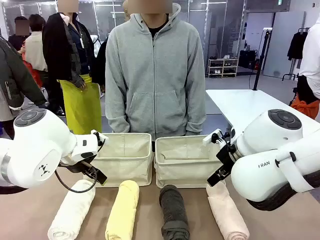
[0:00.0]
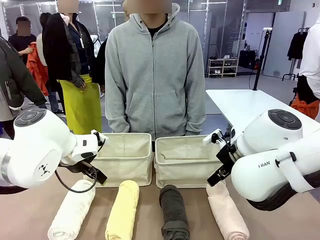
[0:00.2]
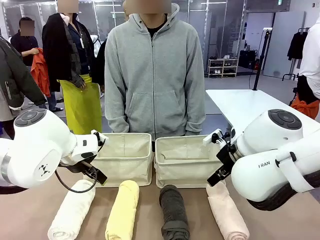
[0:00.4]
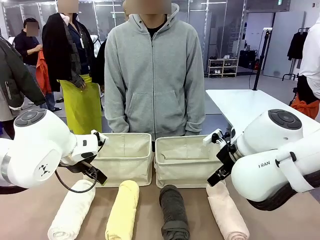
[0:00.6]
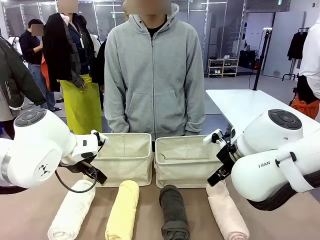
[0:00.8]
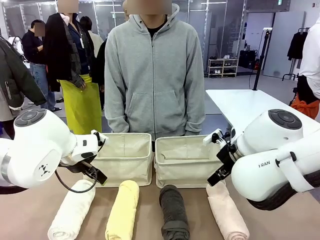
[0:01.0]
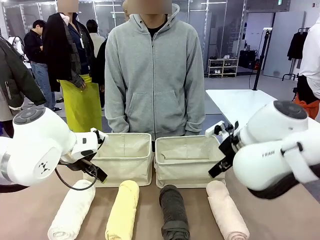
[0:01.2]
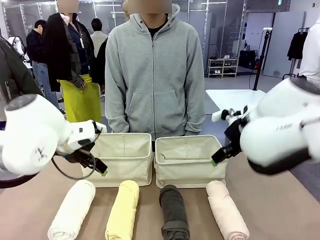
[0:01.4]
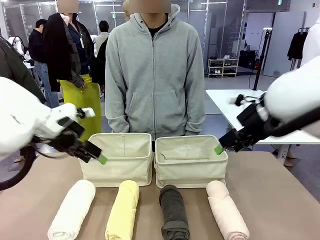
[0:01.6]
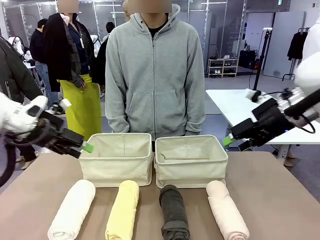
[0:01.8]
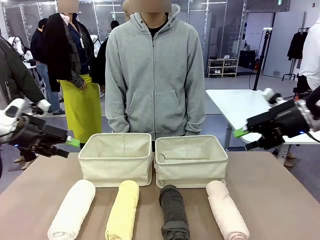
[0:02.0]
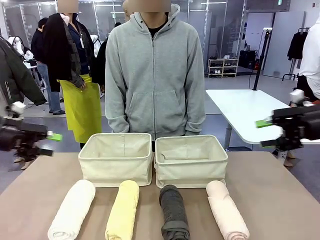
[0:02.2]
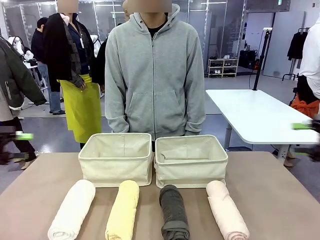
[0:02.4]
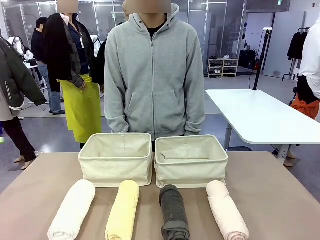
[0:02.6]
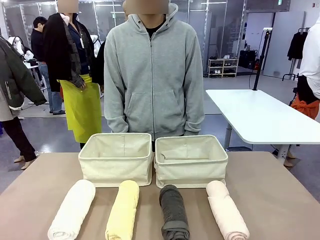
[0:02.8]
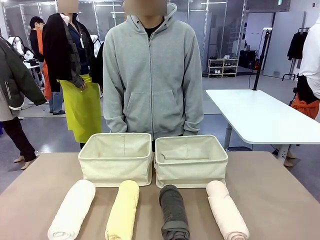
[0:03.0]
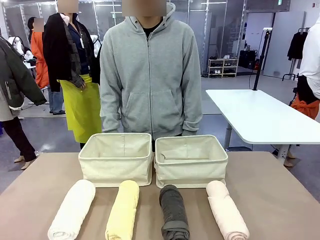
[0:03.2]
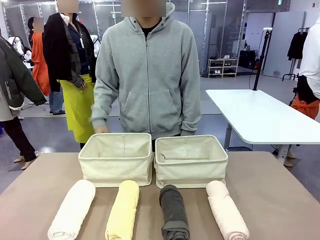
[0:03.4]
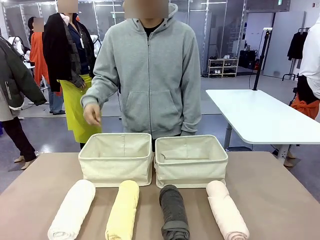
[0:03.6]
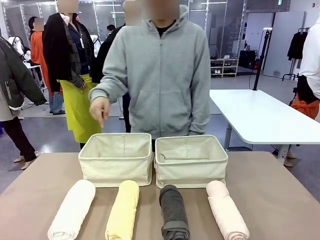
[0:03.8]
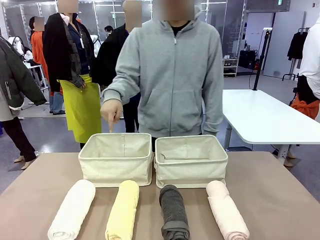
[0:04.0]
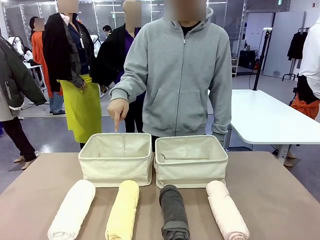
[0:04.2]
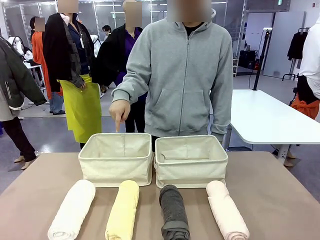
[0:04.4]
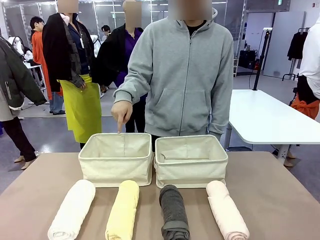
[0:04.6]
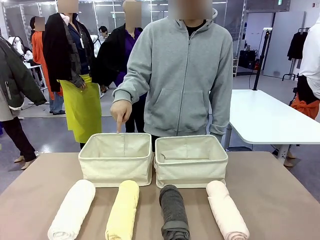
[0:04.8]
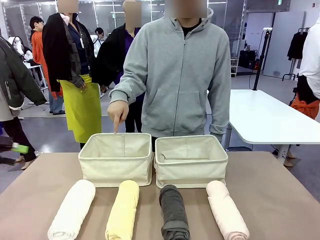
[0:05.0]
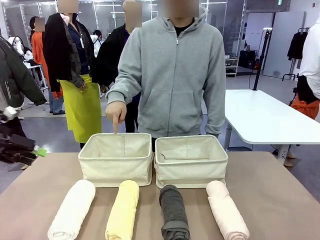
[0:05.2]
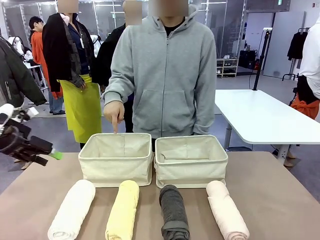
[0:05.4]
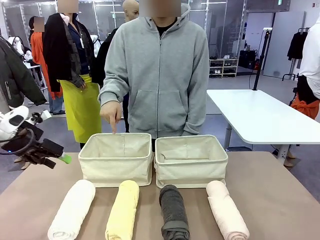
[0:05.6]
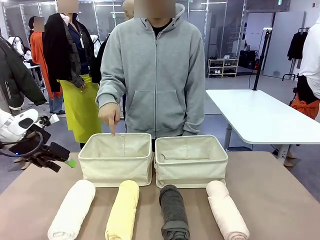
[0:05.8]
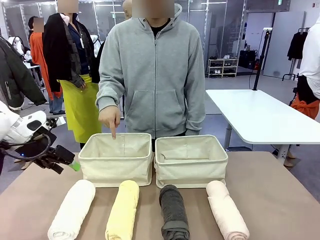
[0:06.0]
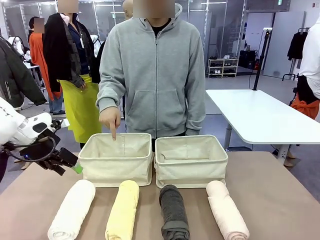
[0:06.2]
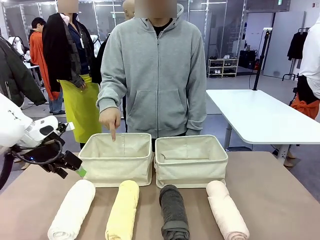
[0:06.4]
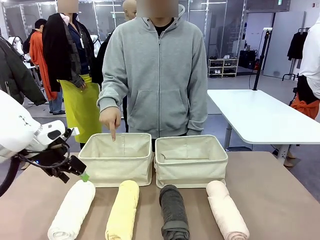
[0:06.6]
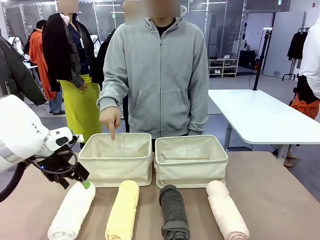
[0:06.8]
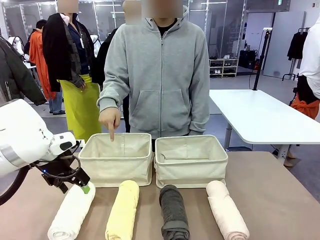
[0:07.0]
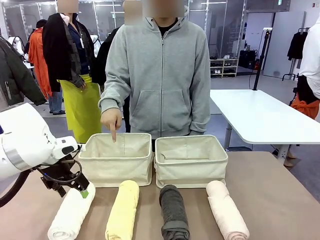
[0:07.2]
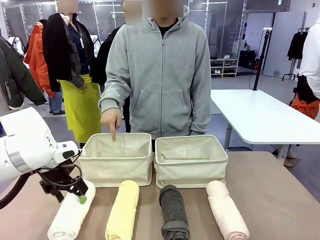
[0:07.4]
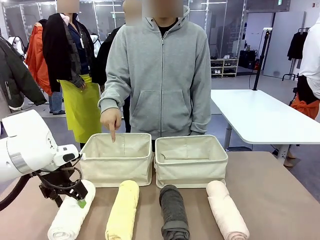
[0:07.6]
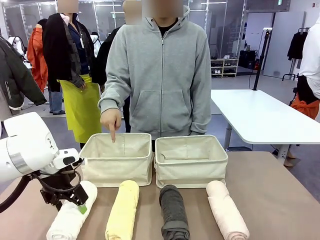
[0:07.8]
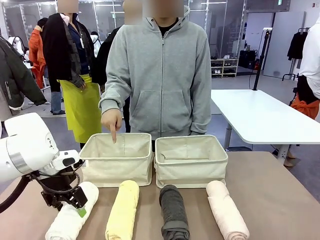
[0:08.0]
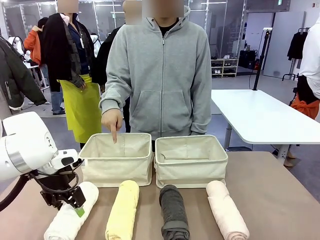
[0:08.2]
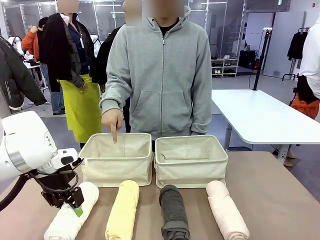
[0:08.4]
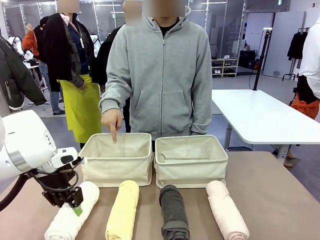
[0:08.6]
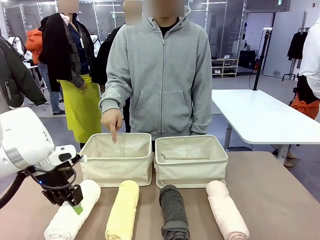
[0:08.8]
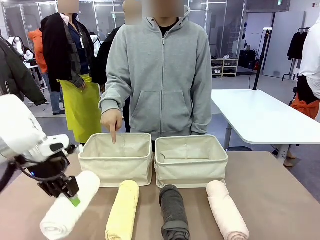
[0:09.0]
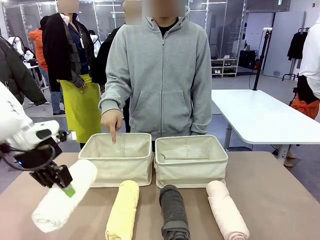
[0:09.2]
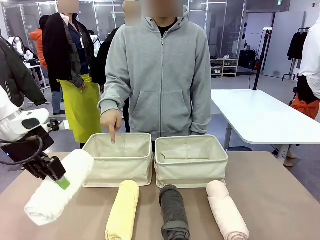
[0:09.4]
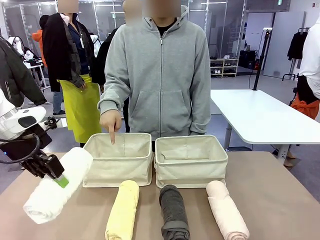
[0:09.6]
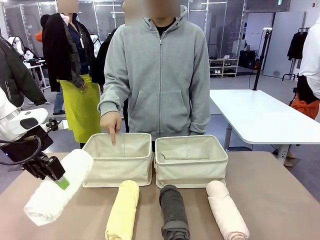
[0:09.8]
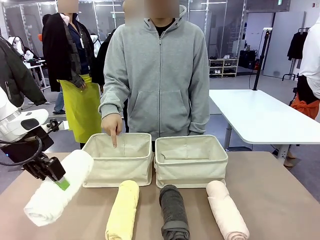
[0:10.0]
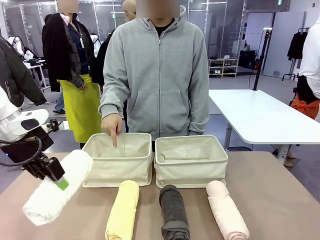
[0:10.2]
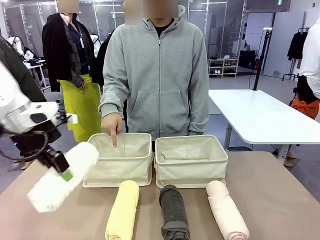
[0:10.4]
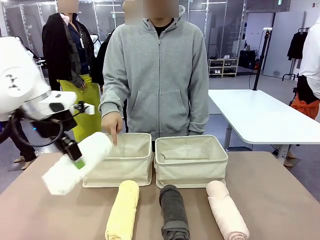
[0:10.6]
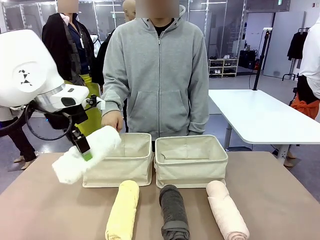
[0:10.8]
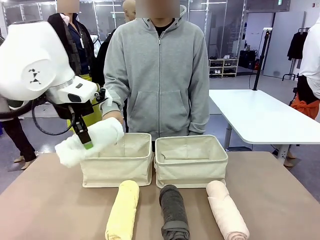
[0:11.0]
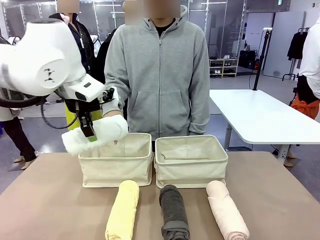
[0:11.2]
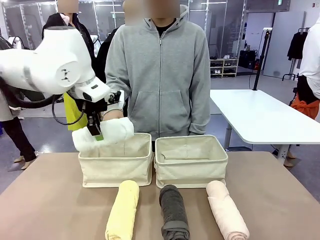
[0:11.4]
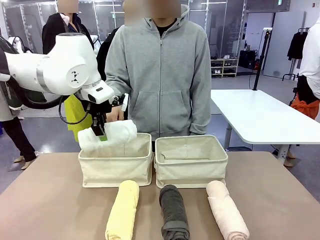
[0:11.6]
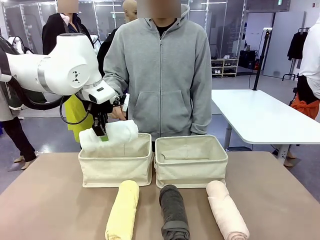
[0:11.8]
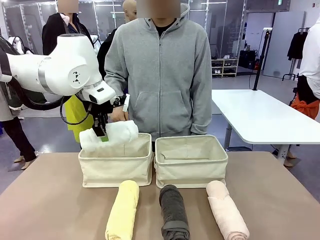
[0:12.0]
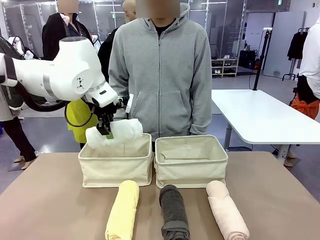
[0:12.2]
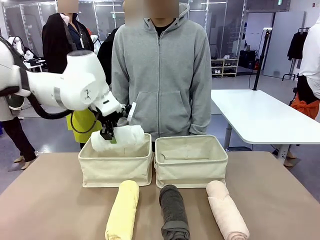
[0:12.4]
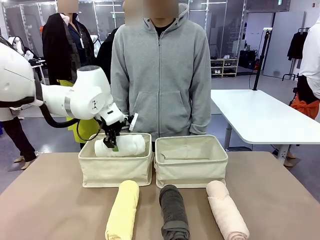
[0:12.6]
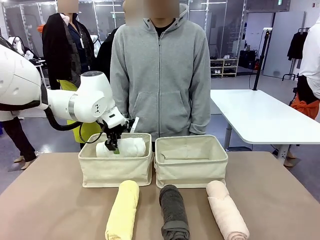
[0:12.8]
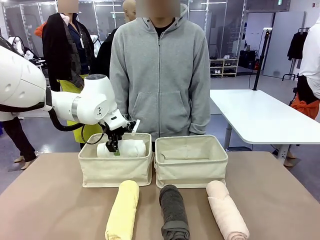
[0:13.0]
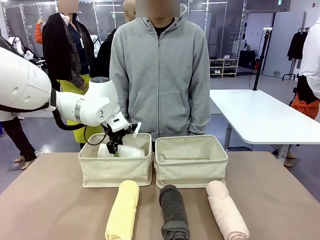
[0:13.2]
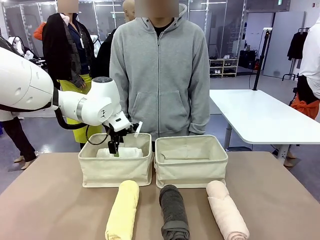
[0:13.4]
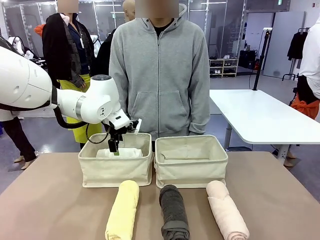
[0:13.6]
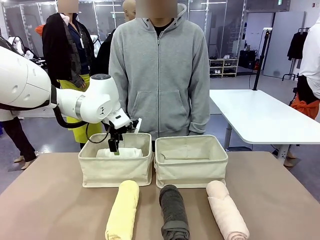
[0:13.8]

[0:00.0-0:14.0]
Task: Divide the towels into two baskets.
Robot: Pick up one hotel-folded towel and place it in the Fabric basket indicated by the person.
